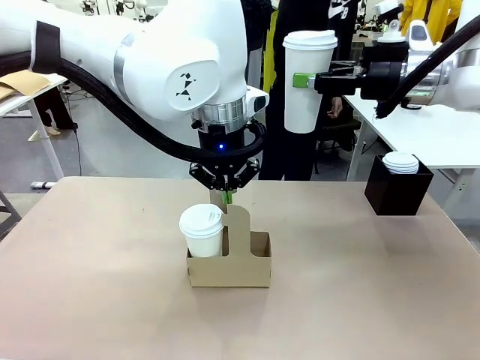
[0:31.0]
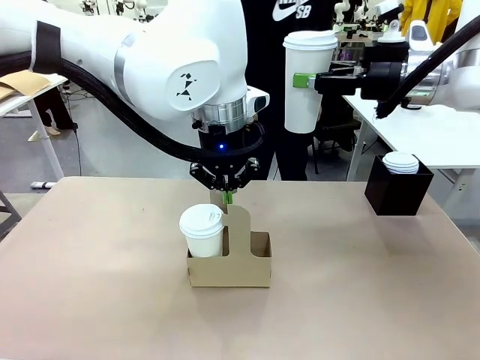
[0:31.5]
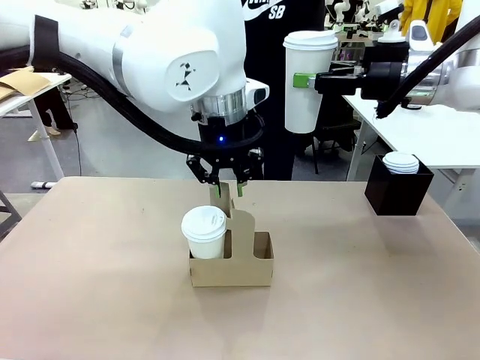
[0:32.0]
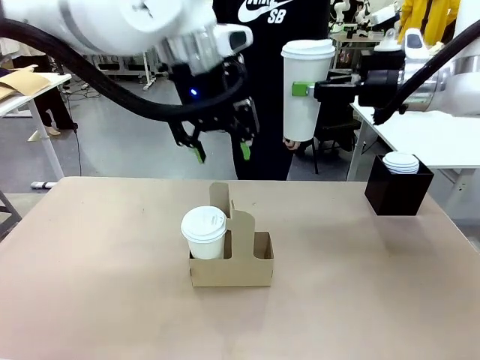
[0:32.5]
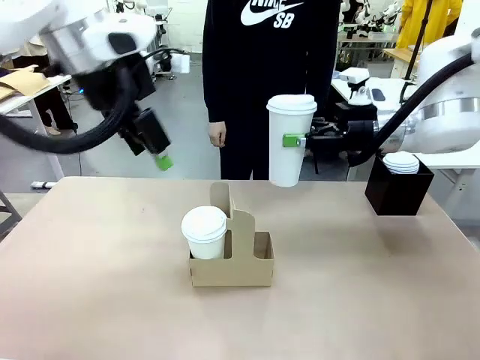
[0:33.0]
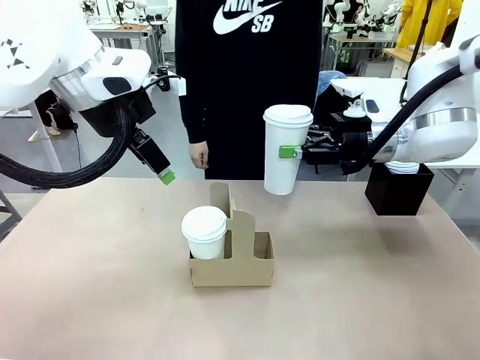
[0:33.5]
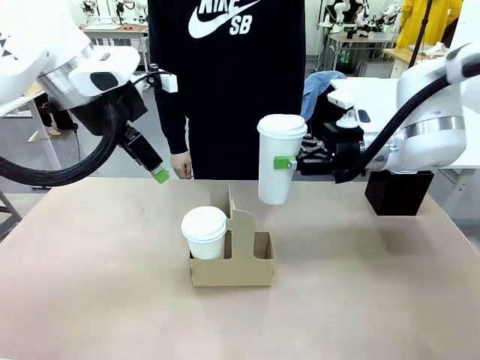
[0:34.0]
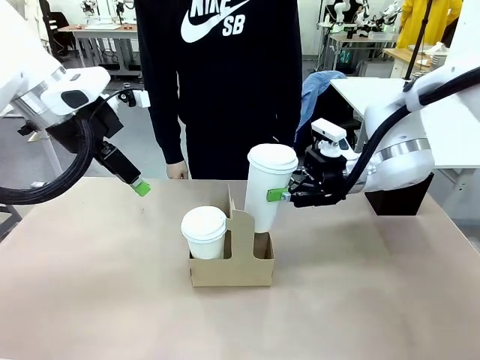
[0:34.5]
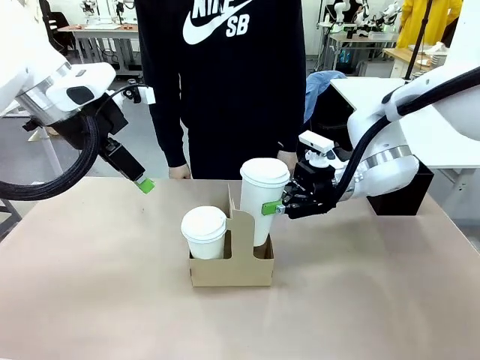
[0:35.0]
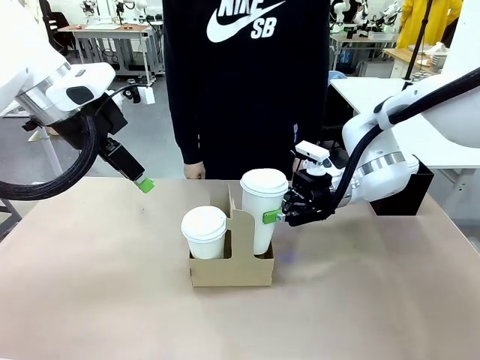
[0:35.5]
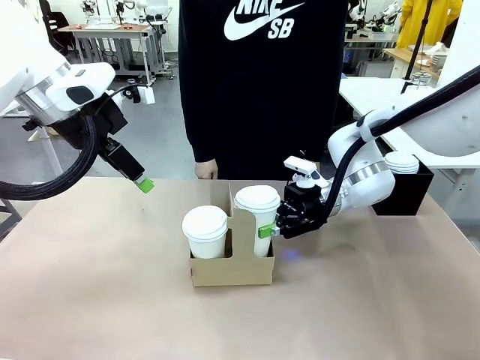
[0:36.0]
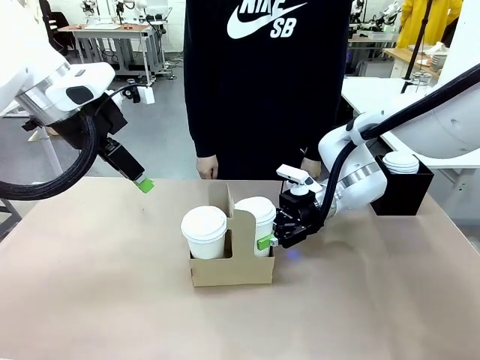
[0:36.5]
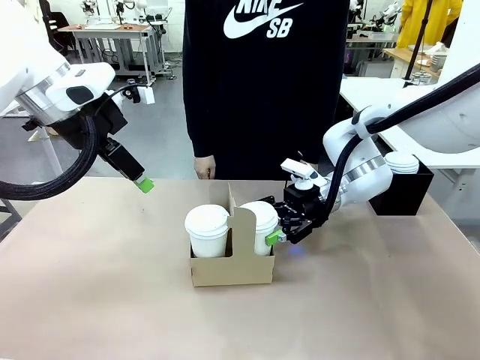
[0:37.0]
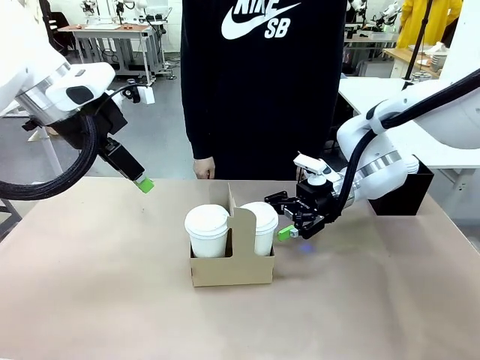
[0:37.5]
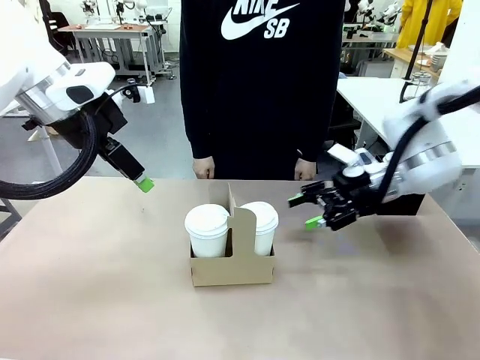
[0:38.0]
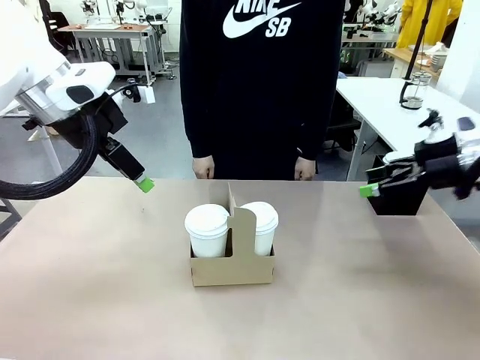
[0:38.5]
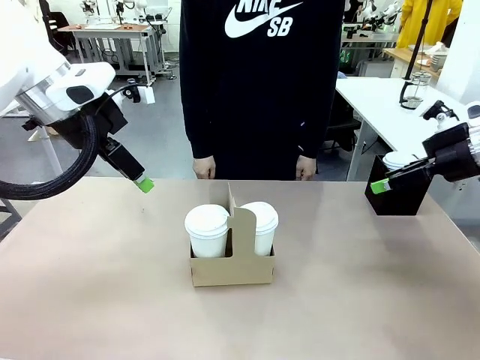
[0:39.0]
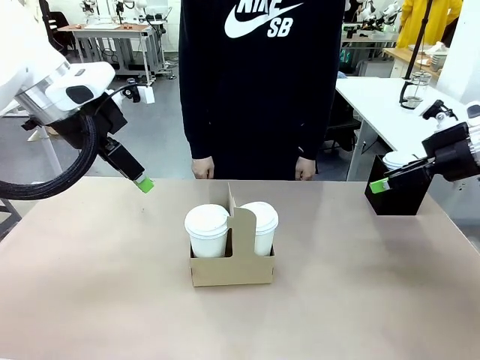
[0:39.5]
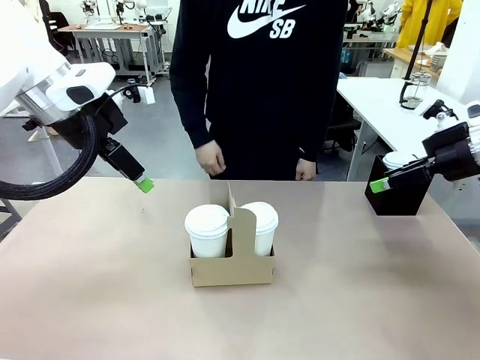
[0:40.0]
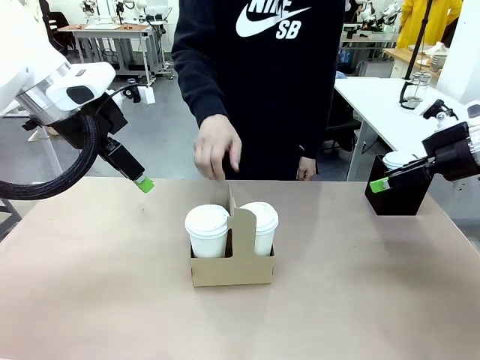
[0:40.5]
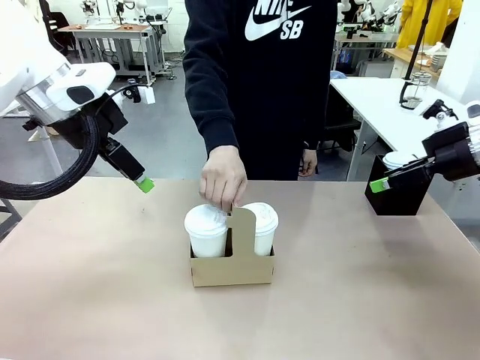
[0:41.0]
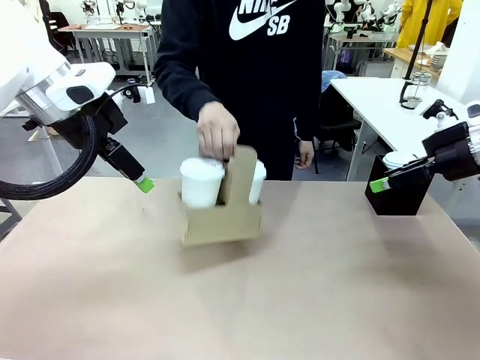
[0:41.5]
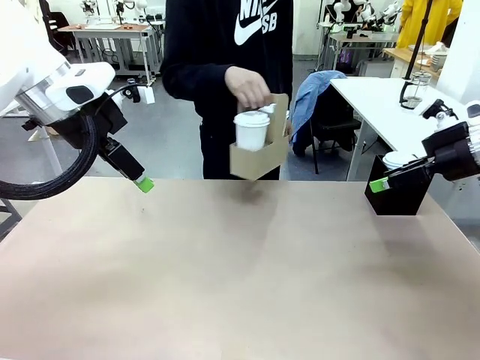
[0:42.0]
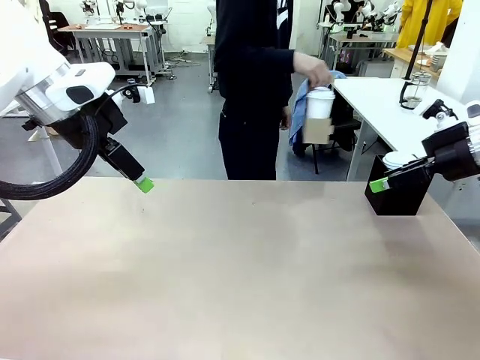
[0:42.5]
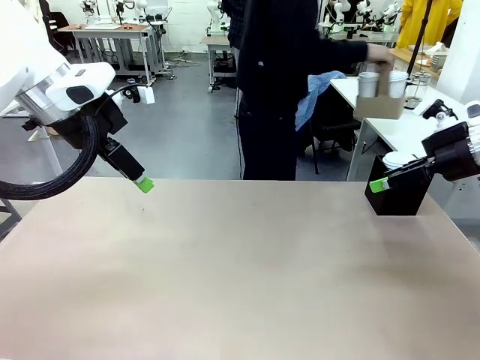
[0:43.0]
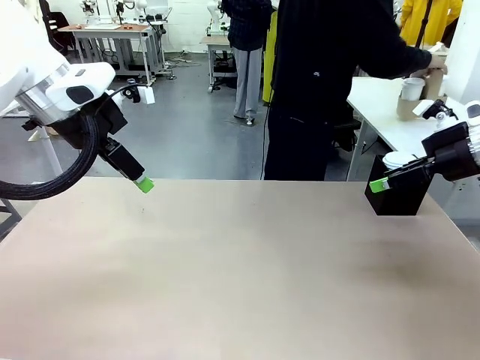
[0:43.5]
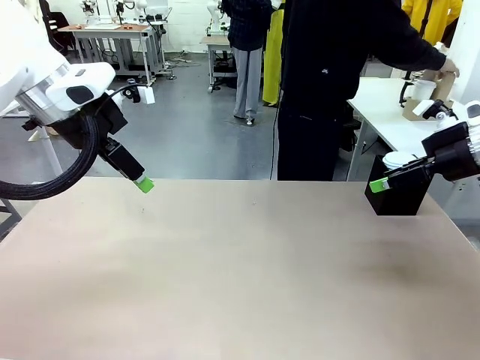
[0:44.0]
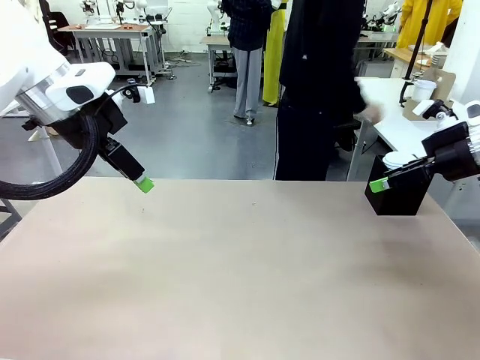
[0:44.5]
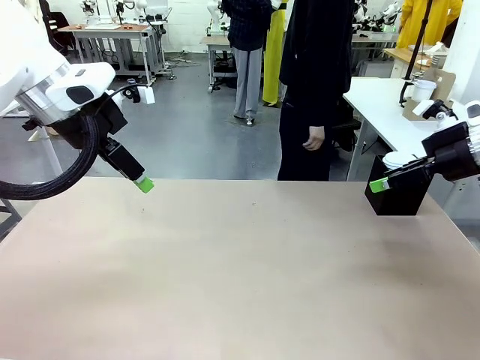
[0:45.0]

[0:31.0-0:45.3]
Task: Pour a drink into a cup and package it in a carrier.
Robot: Insert the held 600 ml Paper Cup into the Cup Carrier.
Person: Place the Cup Carrier to the middle of Human table.

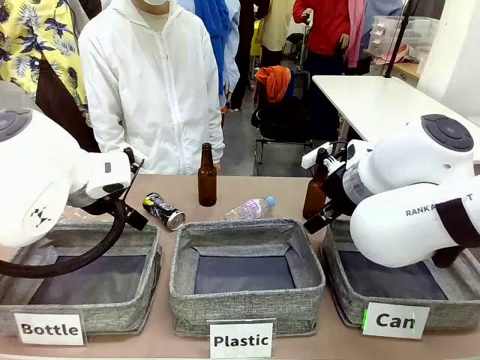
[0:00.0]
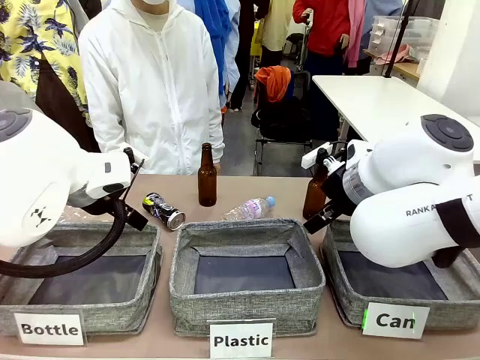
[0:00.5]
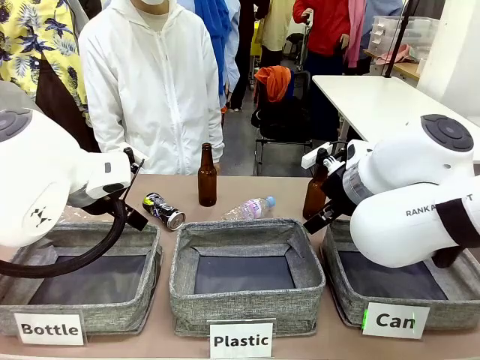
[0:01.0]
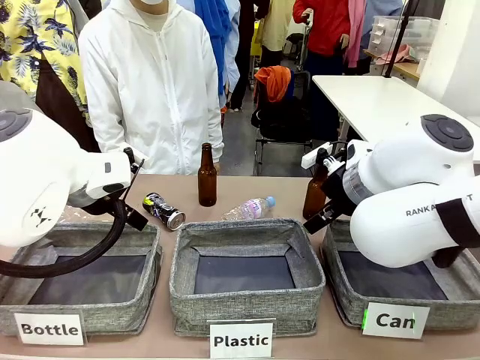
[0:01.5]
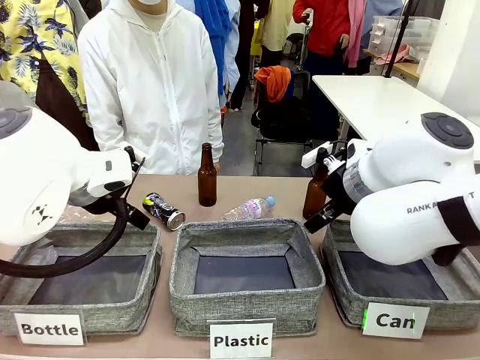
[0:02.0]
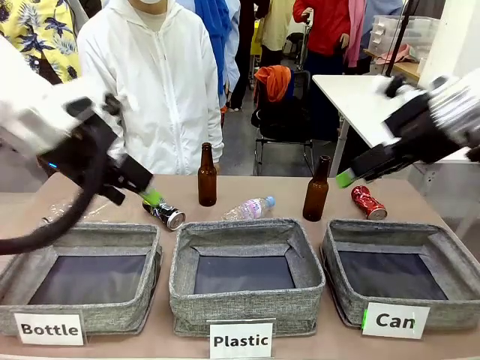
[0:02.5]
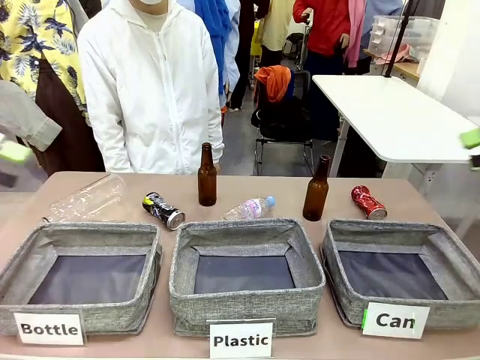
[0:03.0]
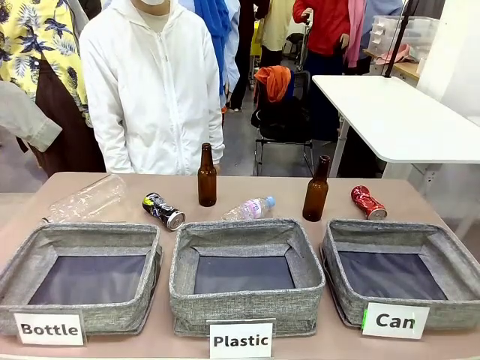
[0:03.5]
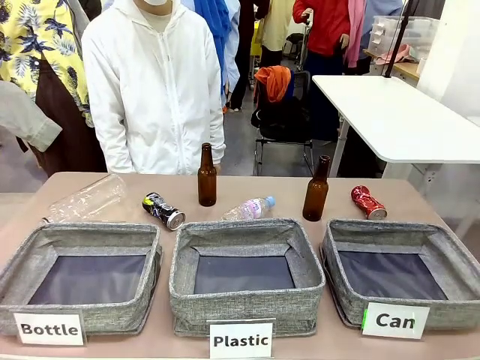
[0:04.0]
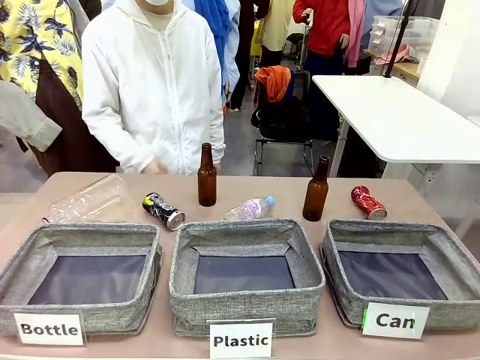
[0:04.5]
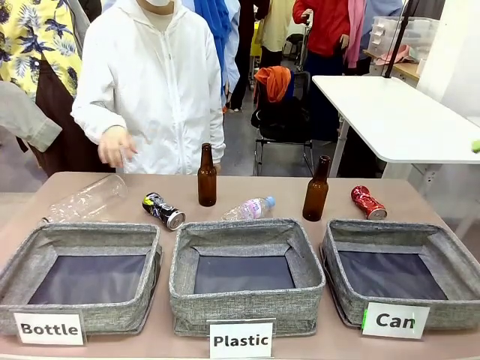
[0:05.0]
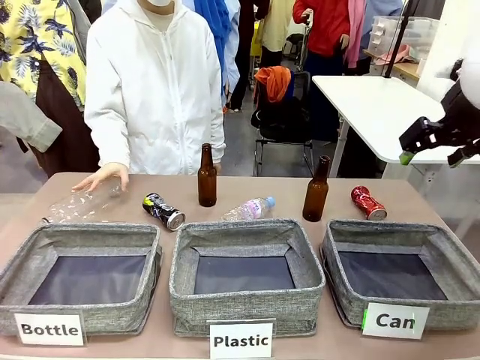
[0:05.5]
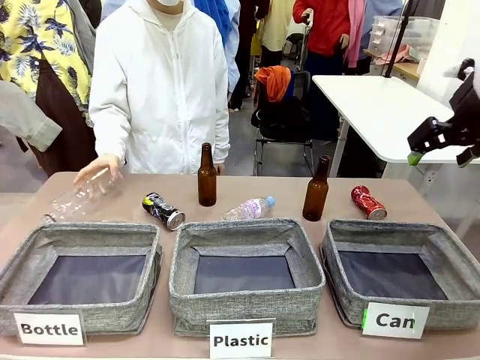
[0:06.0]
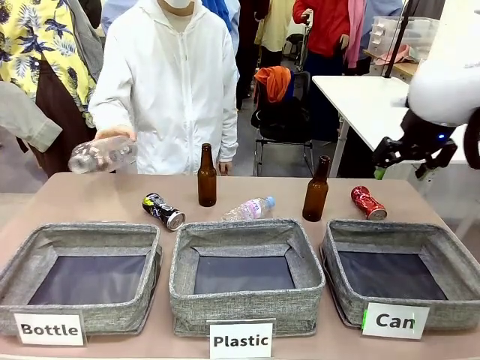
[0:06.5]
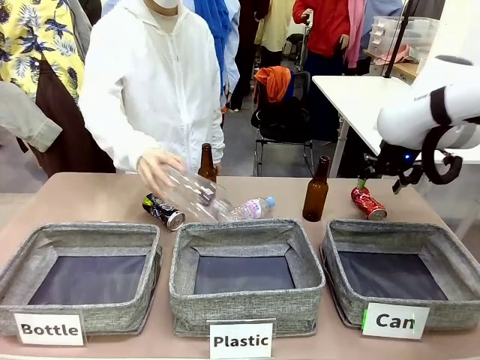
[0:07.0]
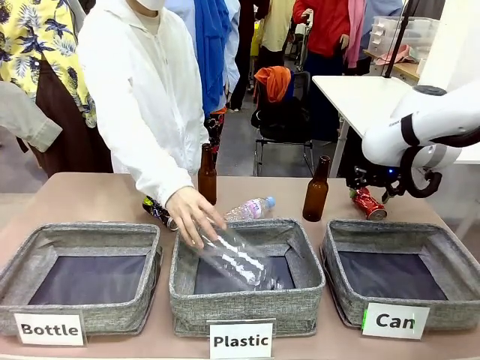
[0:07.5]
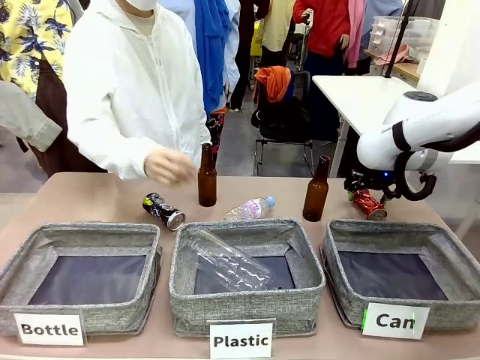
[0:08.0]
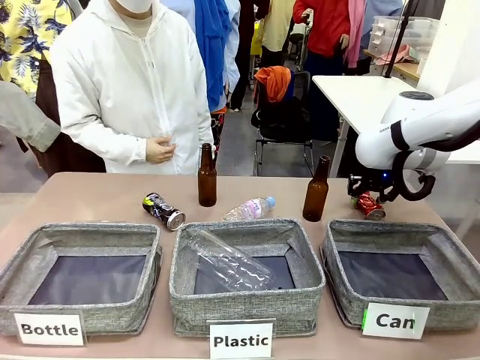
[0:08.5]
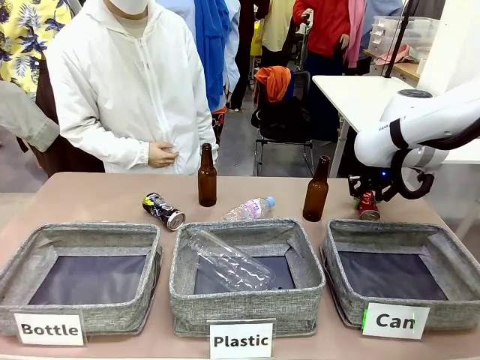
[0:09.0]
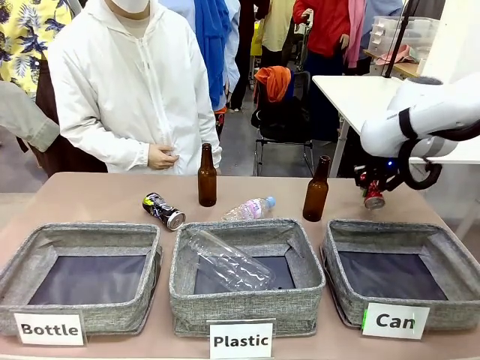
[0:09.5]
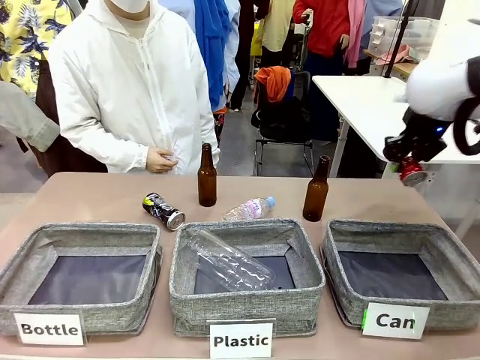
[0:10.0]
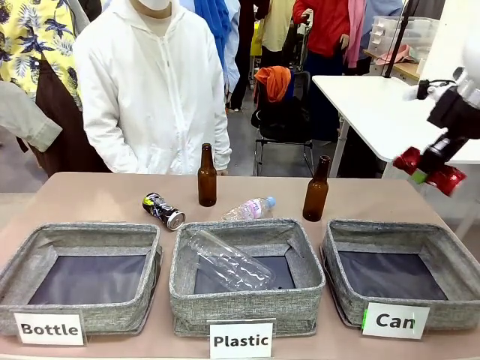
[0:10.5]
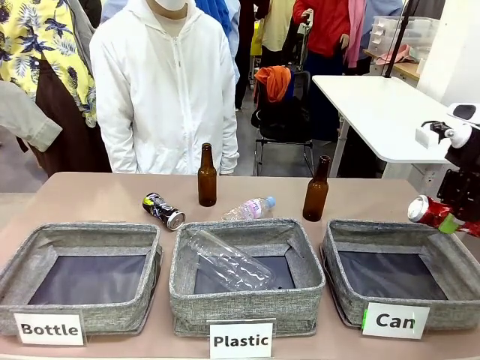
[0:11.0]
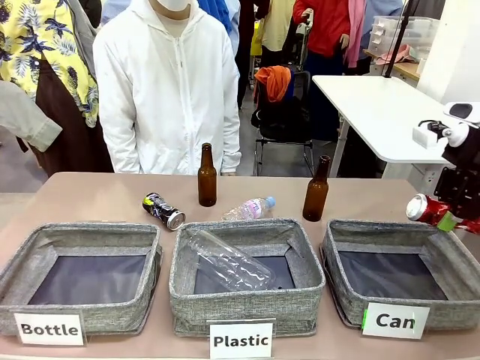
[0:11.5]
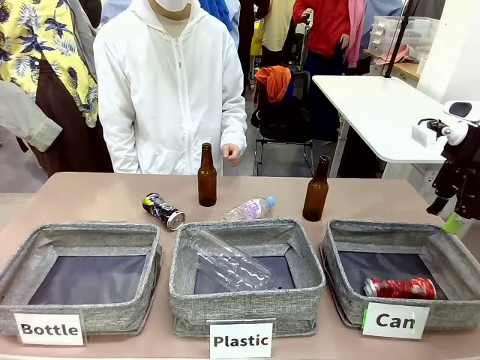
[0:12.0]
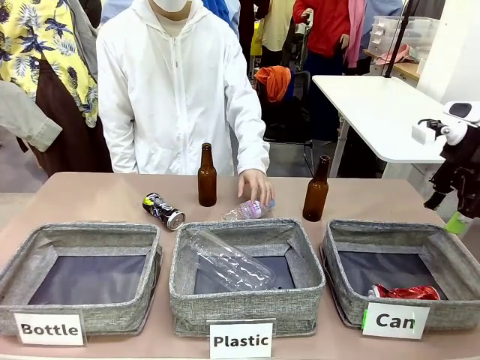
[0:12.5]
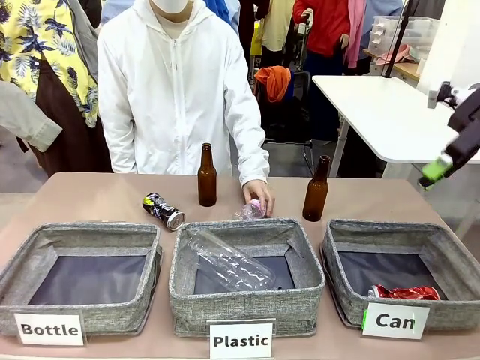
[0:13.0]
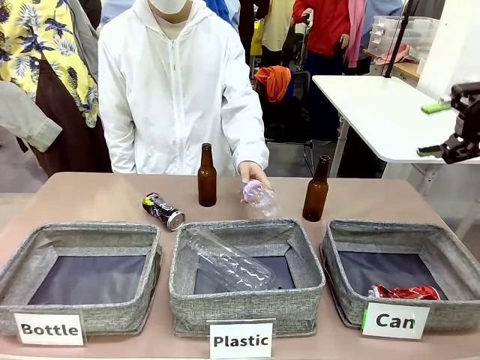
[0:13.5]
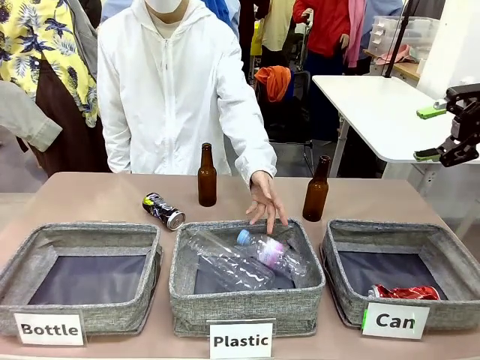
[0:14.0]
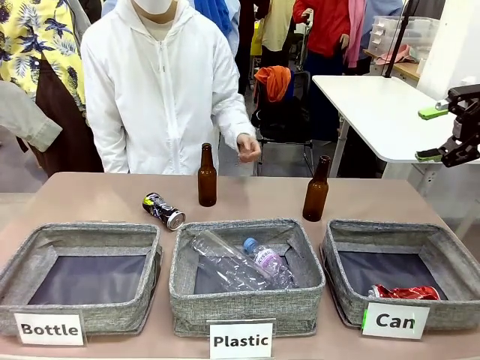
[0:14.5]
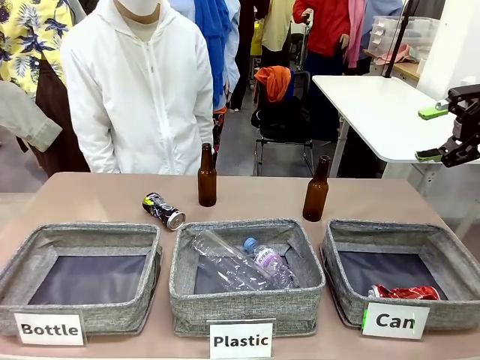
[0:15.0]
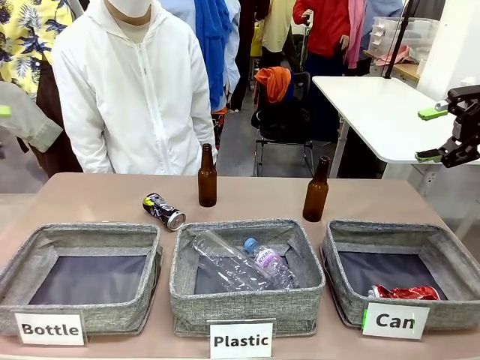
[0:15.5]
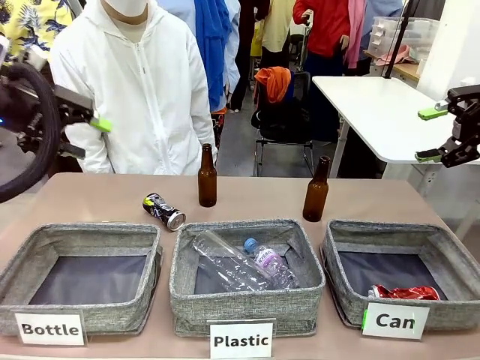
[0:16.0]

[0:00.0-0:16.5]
Task: Sort the can waste into the basket.
Robot: Pick up the can waste from the table and place it in the right Fabric basket.
